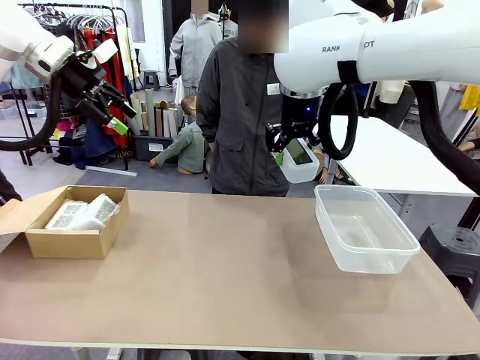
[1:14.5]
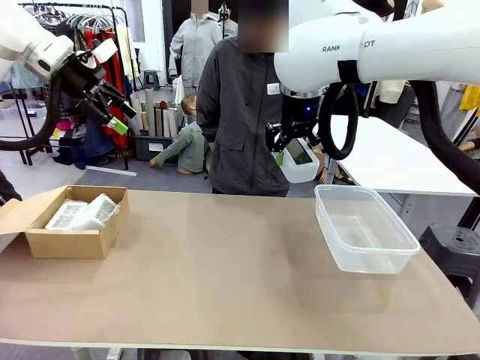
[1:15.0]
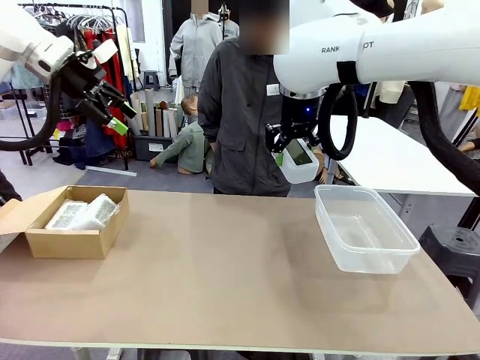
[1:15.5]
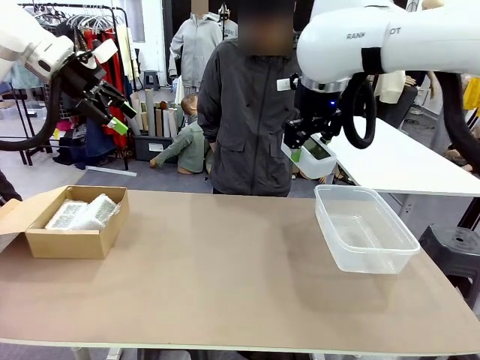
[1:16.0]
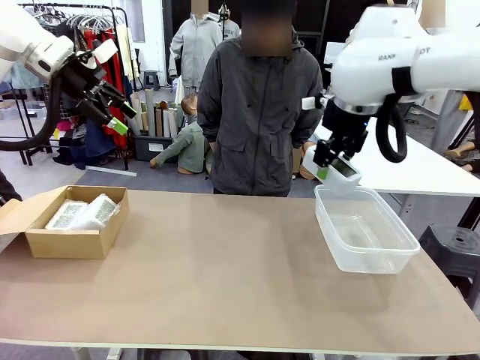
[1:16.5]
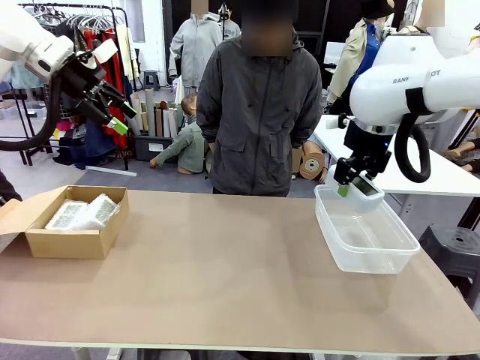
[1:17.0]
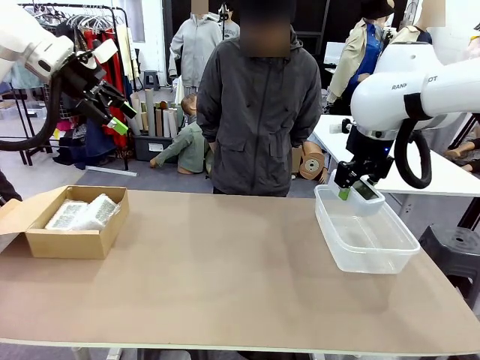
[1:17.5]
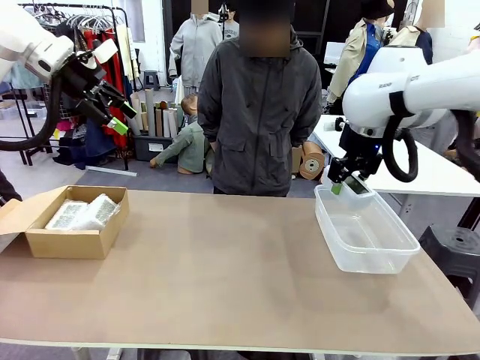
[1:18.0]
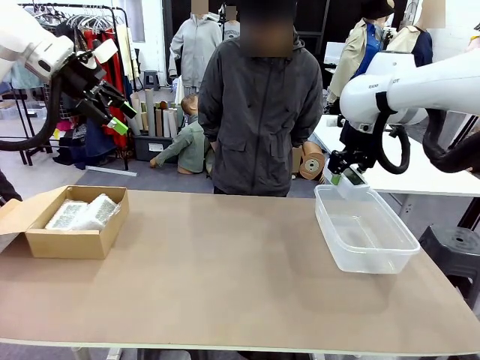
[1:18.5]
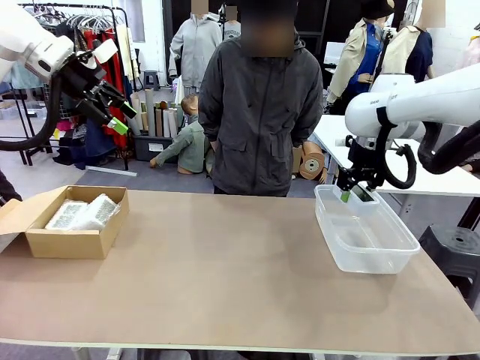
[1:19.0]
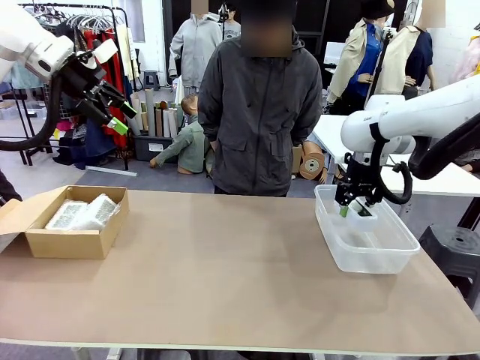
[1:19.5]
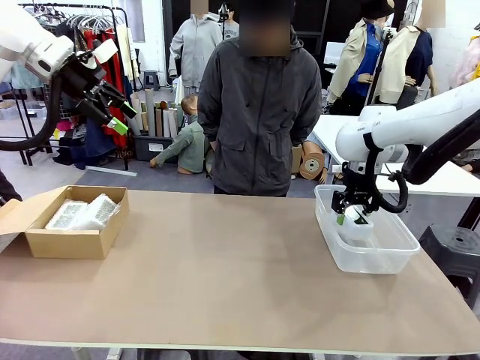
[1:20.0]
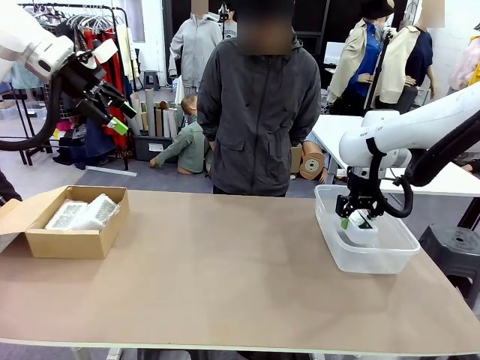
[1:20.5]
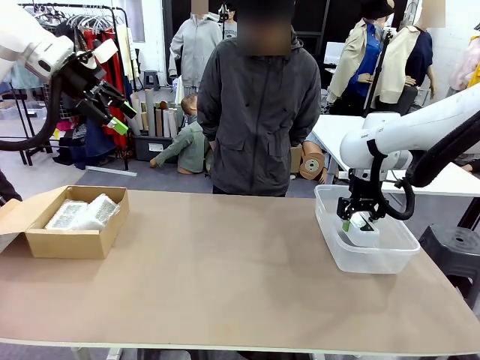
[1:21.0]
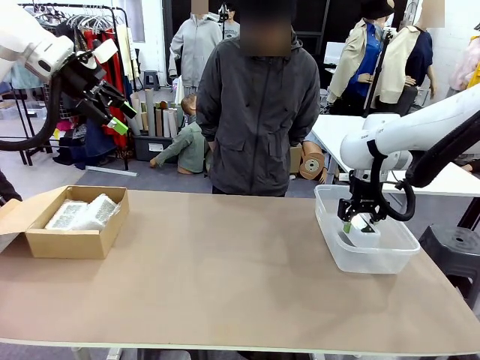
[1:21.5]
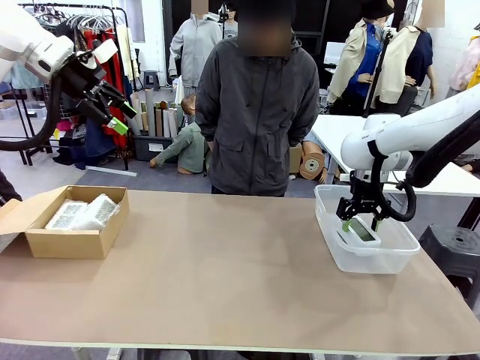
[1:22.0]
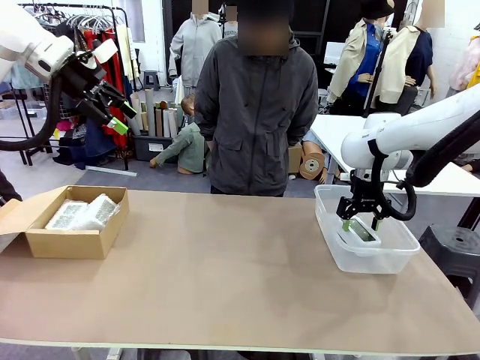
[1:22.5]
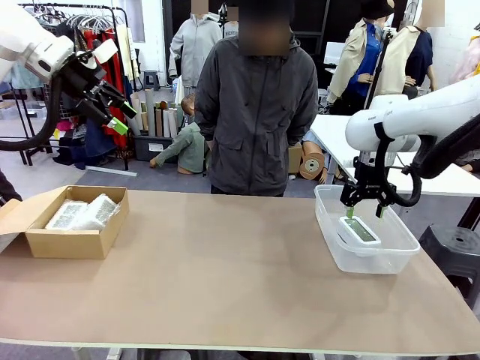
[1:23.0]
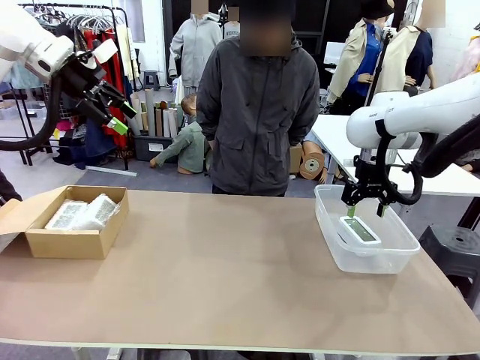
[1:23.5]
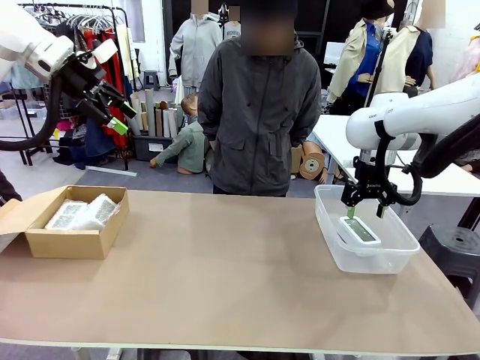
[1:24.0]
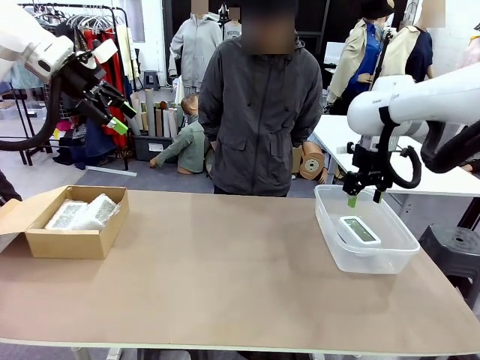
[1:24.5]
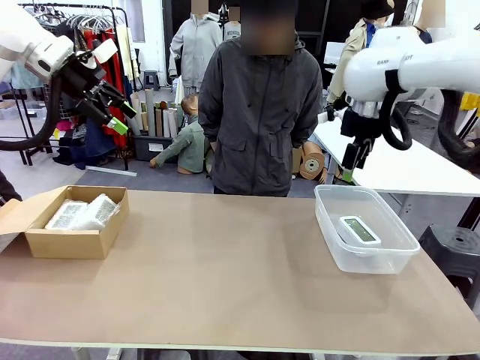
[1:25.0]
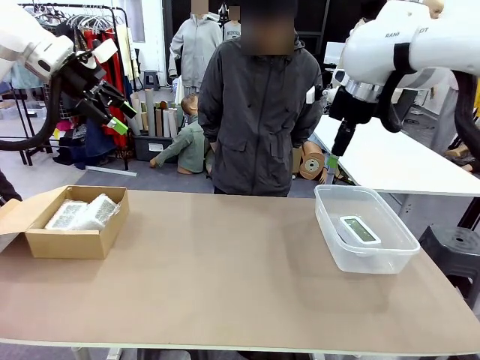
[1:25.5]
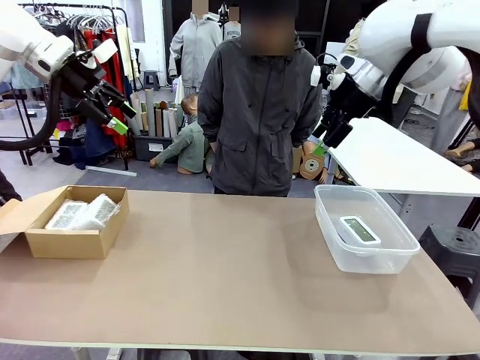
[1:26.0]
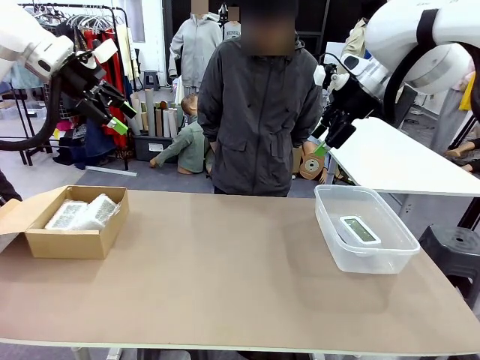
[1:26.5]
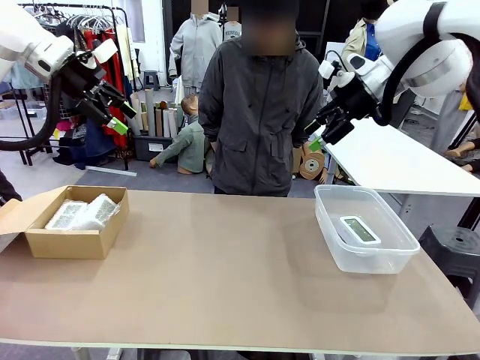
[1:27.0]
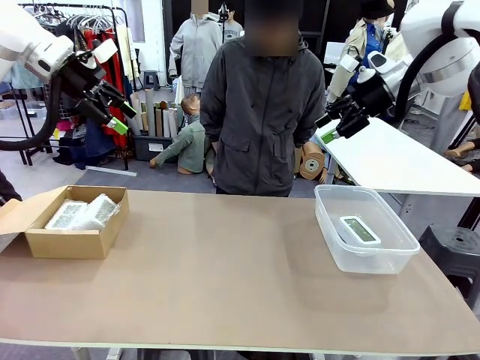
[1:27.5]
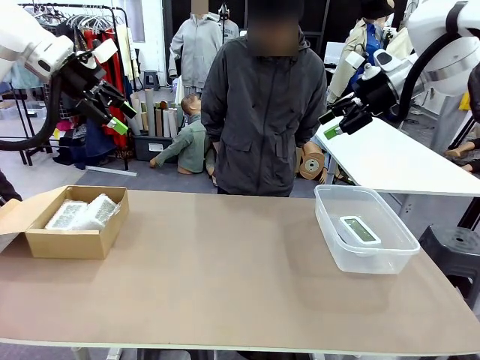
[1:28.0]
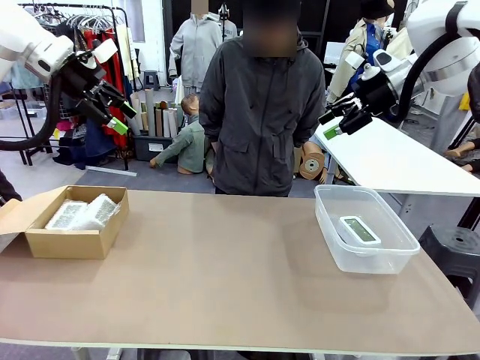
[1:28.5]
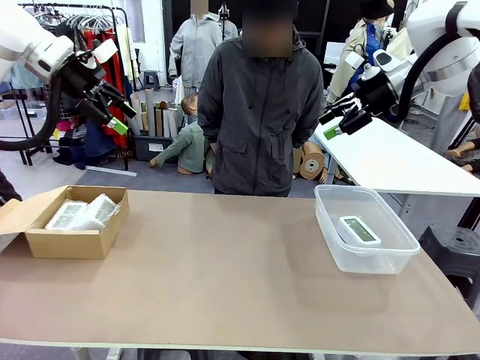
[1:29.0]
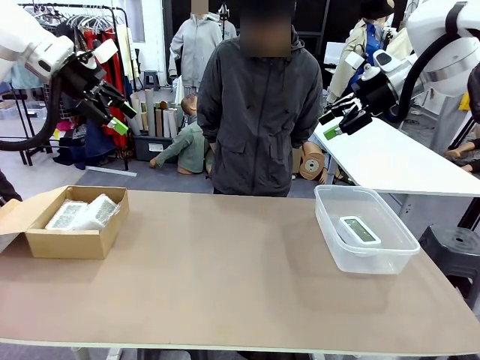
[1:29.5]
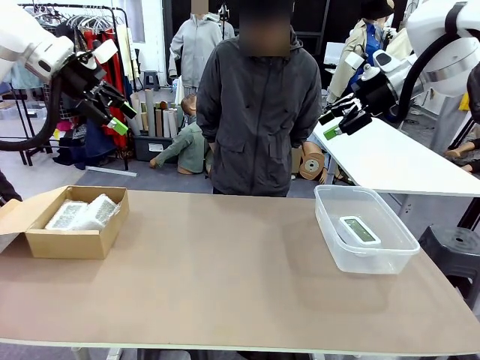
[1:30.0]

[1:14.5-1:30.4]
Task: Separate and place wrapped and unwrapped clocks.
Robot: If the picked Digital clock is wrapped, place it in the Package Box ; if not, place it in the Organizing box.
